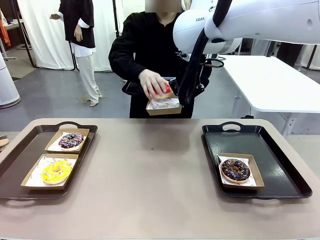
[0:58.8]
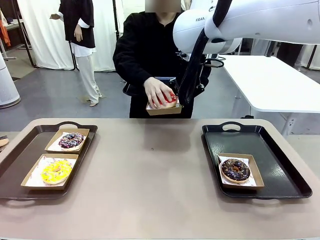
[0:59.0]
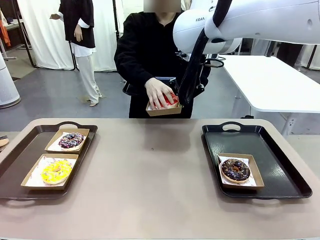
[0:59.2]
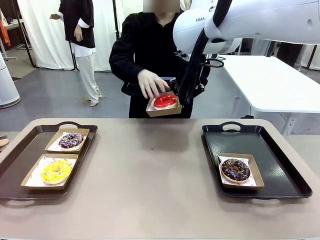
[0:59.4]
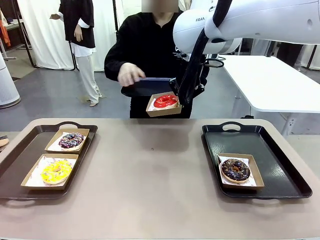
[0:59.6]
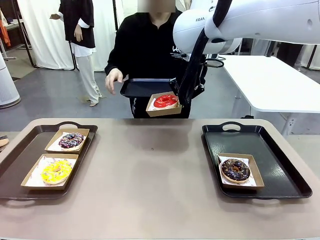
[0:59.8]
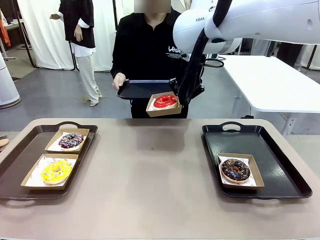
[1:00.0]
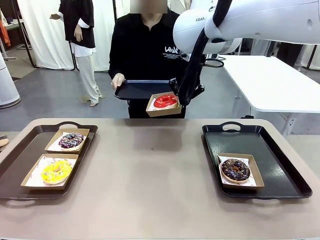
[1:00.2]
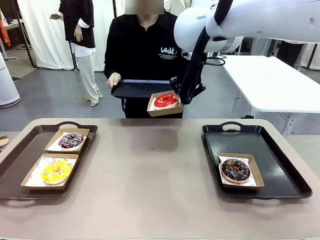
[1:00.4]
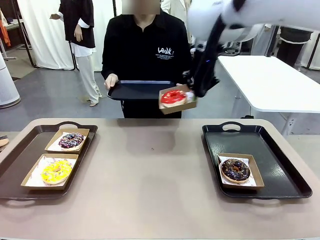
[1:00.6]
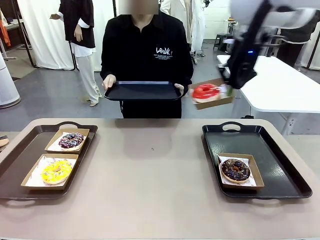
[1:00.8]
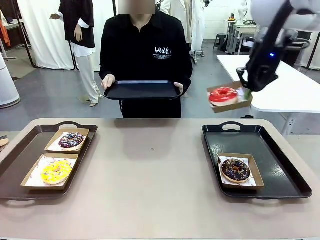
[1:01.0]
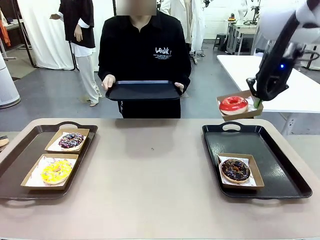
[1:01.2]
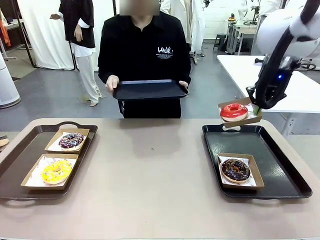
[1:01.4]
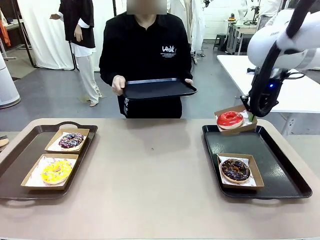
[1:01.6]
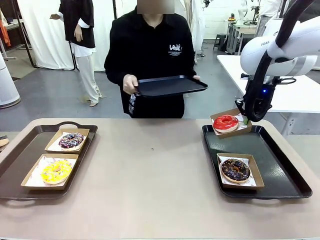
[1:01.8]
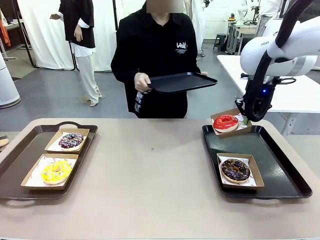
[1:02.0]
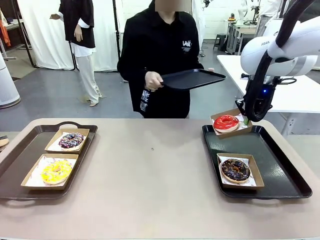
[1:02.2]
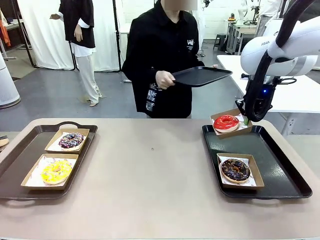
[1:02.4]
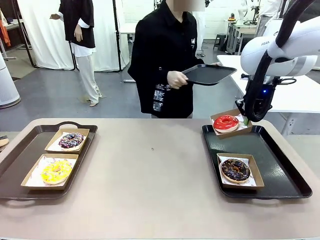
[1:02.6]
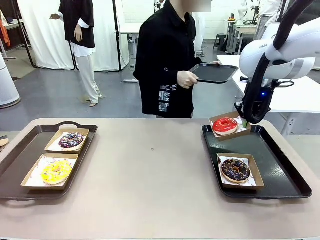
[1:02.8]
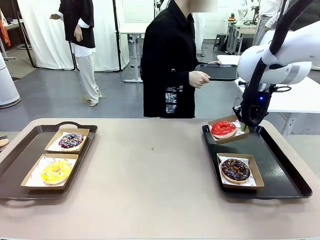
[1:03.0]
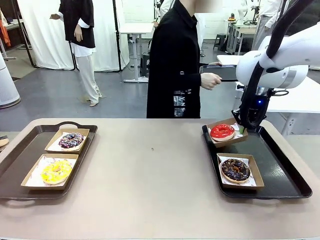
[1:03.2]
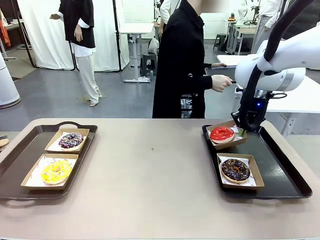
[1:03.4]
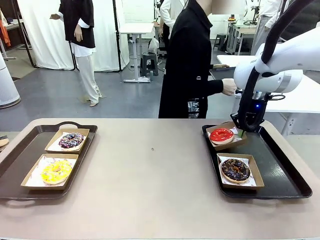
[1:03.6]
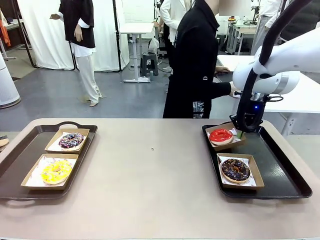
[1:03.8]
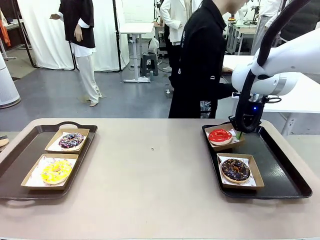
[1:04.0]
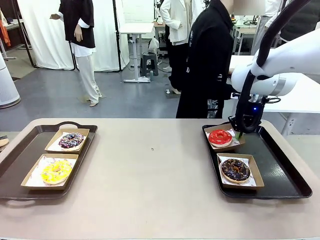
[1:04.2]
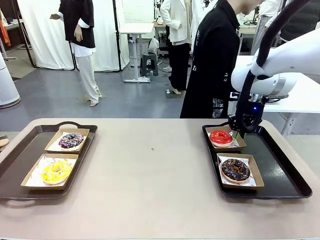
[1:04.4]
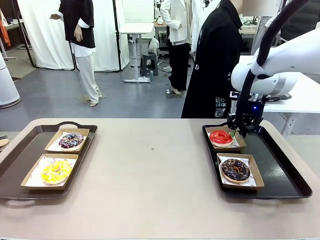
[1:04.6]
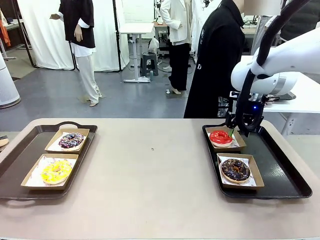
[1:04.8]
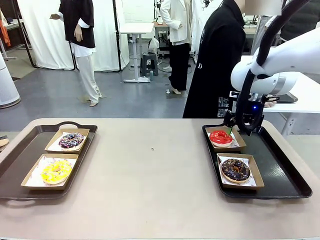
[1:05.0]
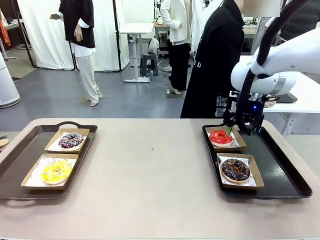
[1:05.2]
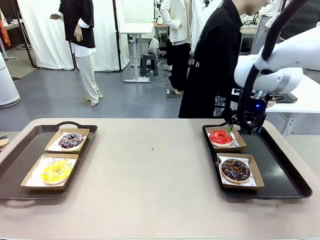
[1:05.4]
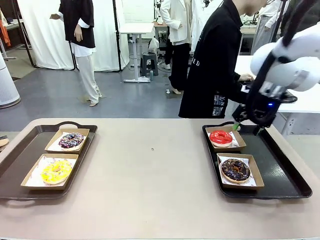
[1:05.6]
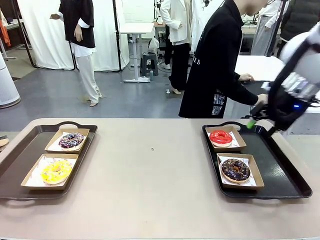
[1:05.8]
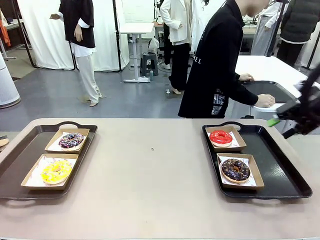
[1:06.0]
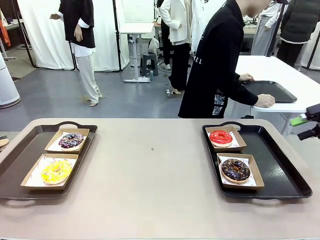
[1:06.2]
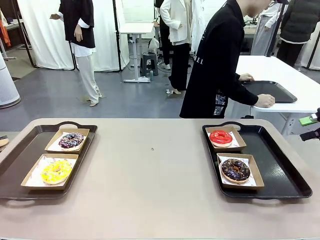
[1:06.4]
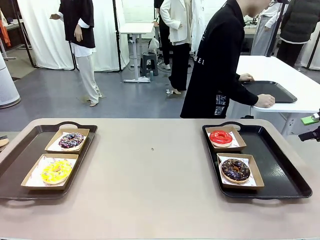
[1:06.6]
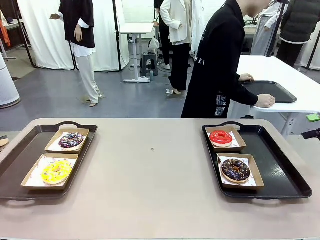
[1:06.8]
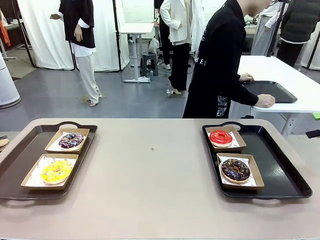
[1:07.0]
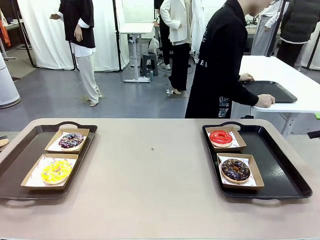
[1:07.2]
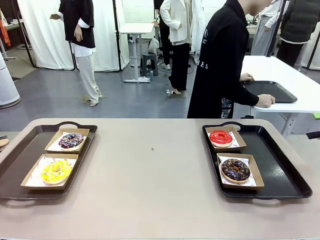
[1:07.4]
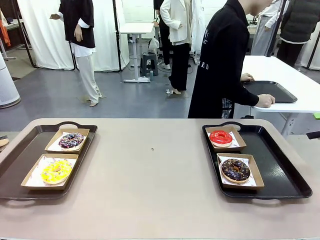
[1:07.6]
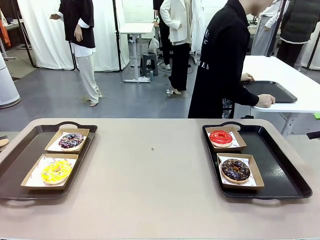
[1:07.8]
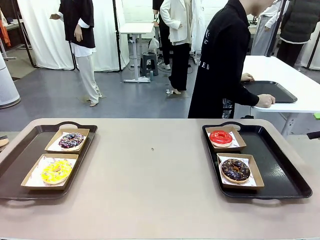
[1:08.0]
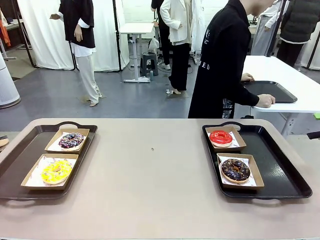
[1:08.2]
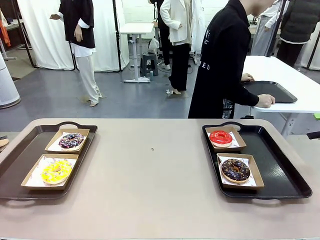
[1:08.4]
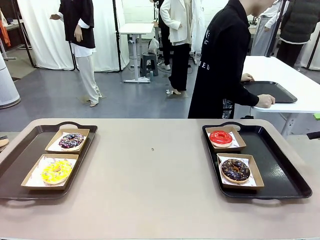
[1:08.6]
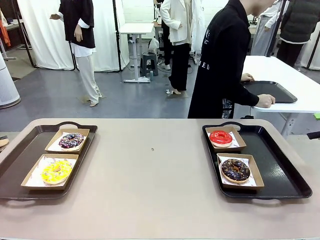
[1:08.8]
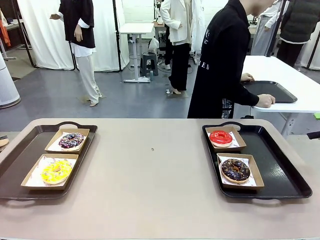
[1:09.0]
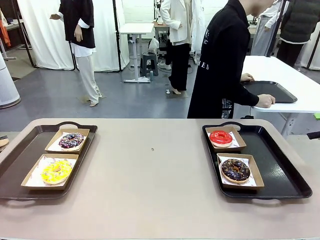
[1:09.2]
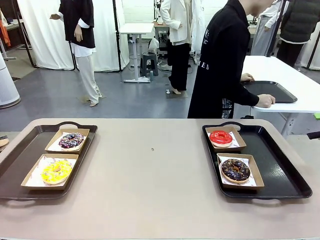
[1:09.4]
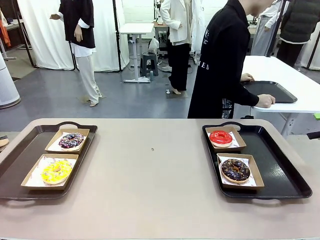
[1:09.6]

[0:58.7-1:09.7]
Task: Individually package the donuts and arrange them on the tray.
Robot: Place the picked Paper togo box on the Handle tray.
Person: Place the tray down in the middle of the human table.

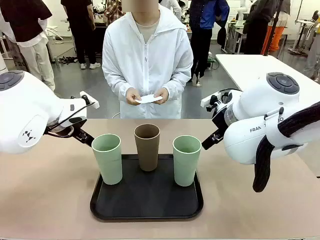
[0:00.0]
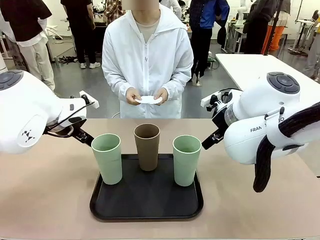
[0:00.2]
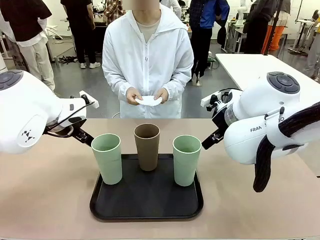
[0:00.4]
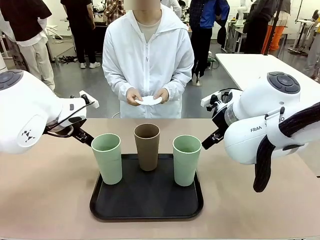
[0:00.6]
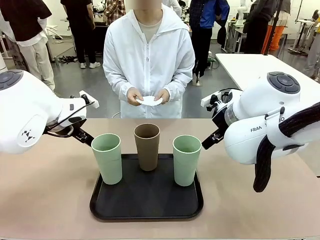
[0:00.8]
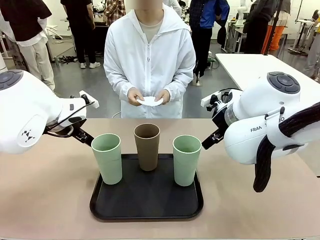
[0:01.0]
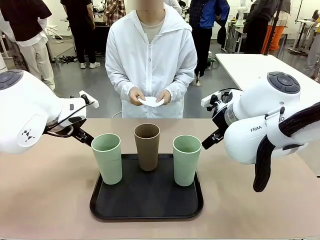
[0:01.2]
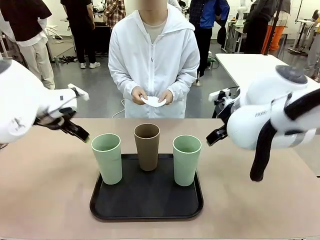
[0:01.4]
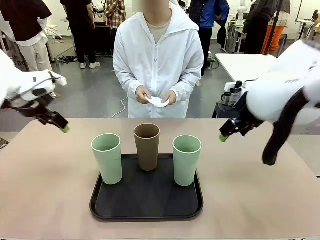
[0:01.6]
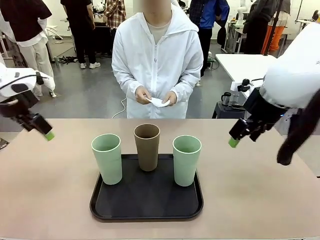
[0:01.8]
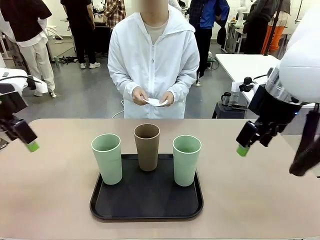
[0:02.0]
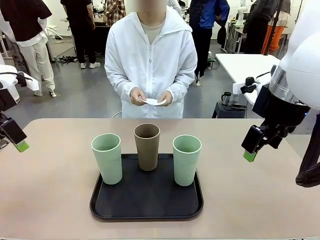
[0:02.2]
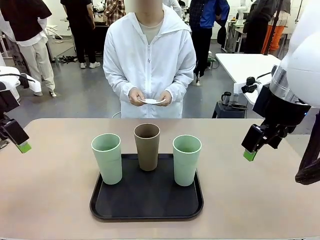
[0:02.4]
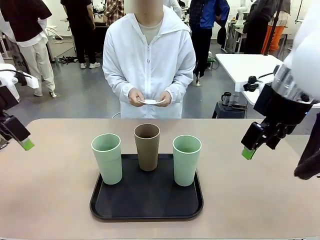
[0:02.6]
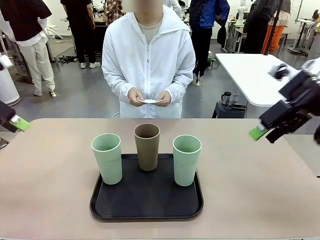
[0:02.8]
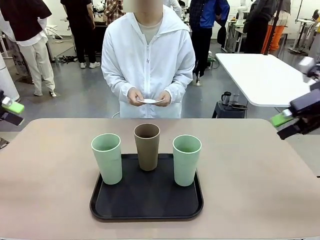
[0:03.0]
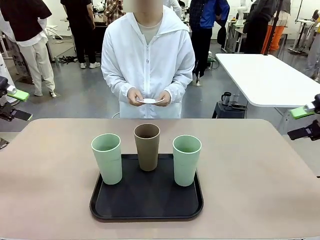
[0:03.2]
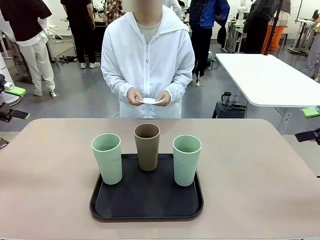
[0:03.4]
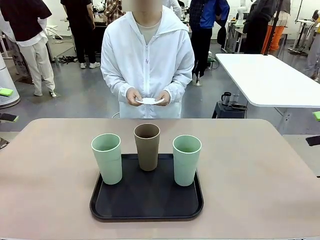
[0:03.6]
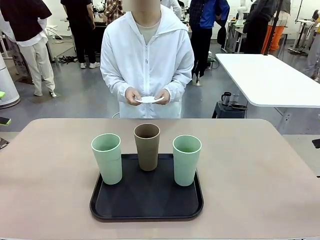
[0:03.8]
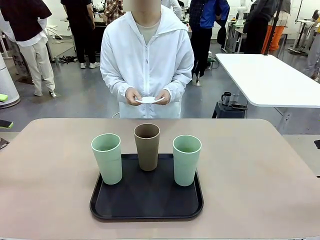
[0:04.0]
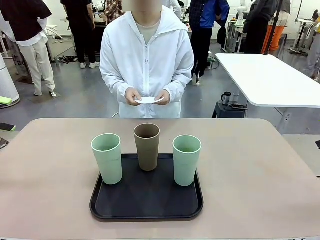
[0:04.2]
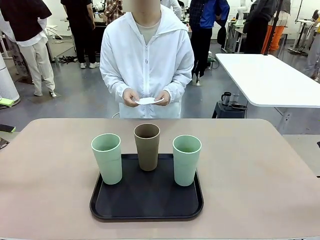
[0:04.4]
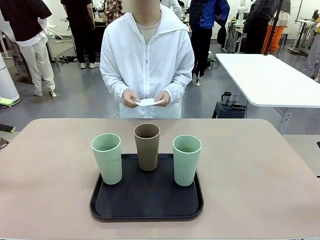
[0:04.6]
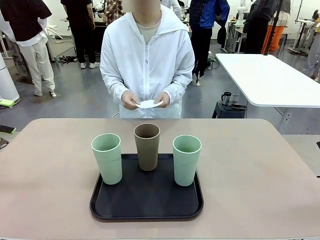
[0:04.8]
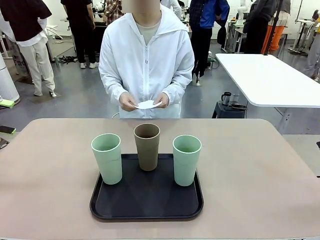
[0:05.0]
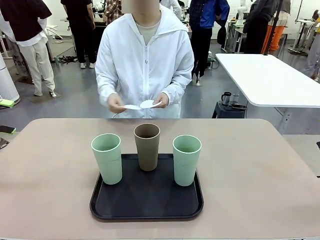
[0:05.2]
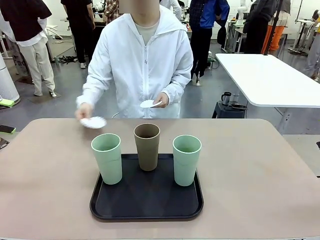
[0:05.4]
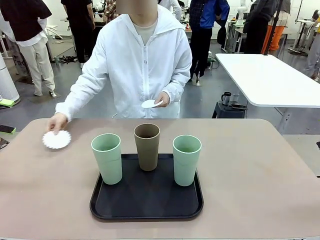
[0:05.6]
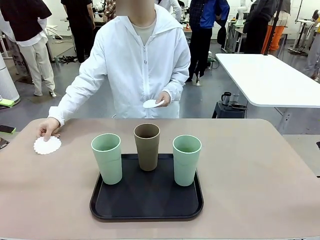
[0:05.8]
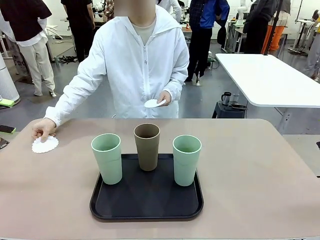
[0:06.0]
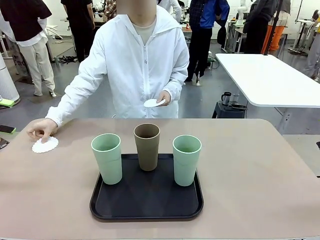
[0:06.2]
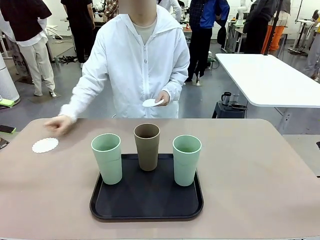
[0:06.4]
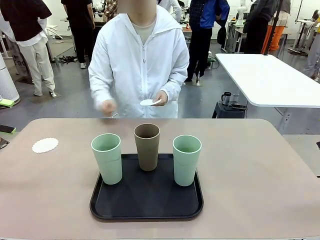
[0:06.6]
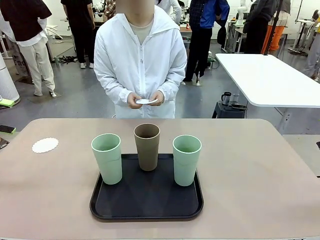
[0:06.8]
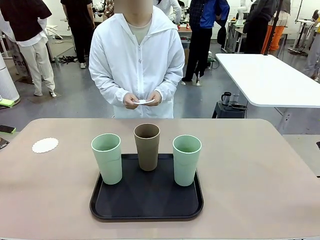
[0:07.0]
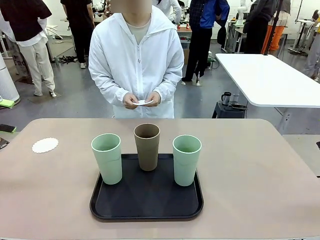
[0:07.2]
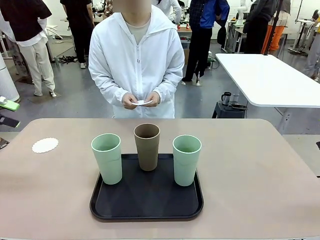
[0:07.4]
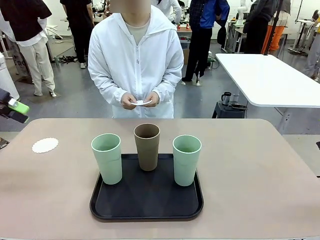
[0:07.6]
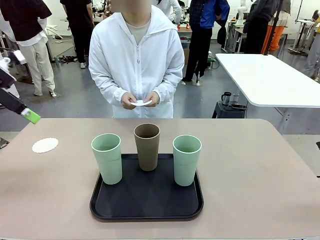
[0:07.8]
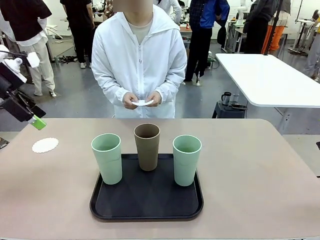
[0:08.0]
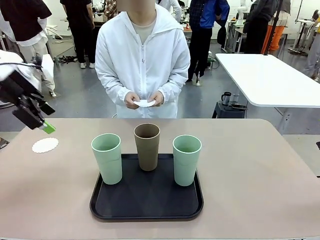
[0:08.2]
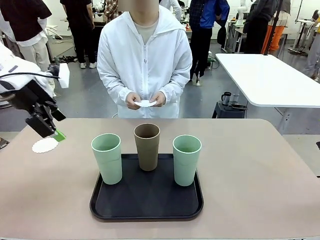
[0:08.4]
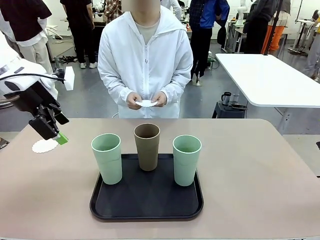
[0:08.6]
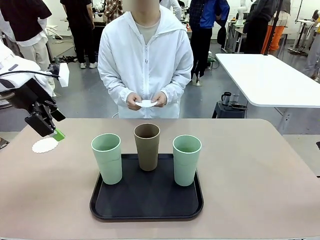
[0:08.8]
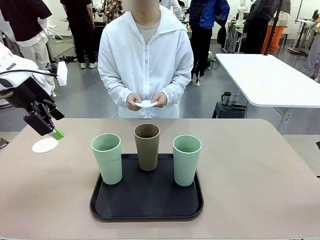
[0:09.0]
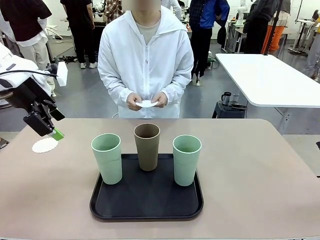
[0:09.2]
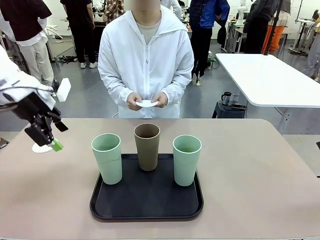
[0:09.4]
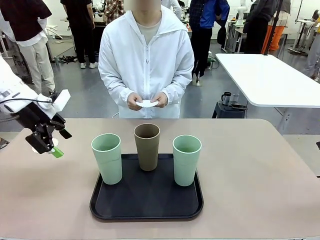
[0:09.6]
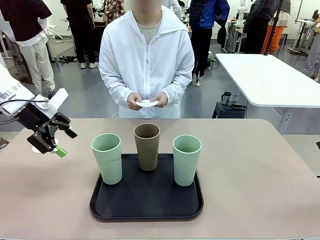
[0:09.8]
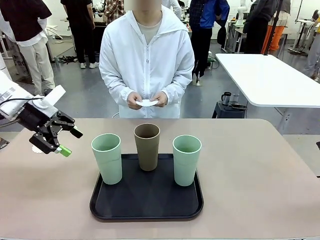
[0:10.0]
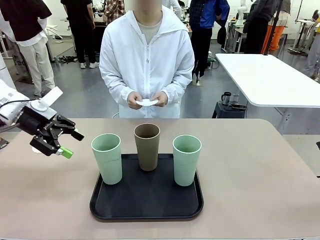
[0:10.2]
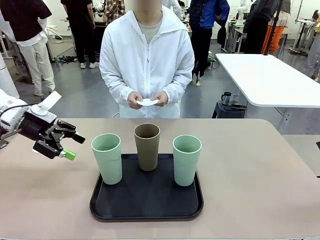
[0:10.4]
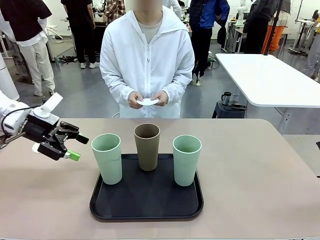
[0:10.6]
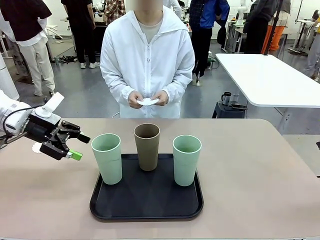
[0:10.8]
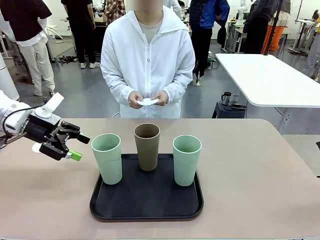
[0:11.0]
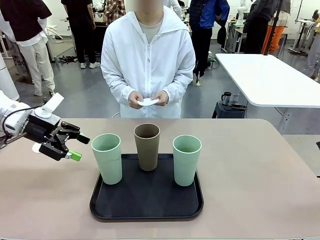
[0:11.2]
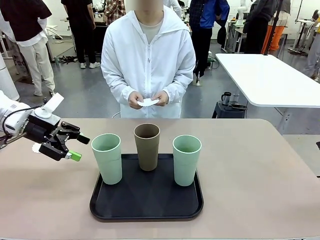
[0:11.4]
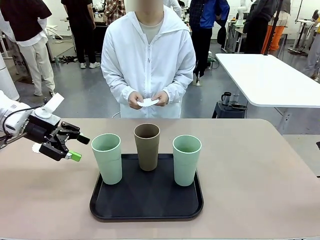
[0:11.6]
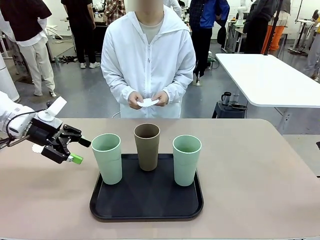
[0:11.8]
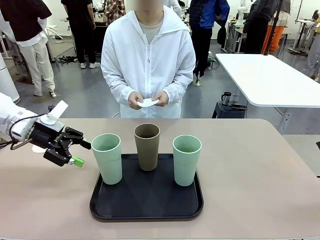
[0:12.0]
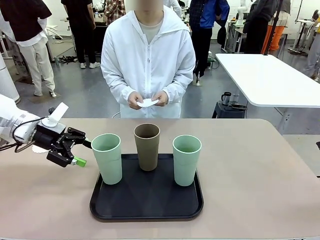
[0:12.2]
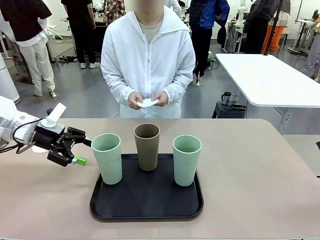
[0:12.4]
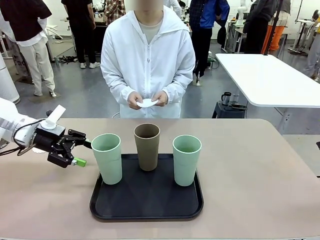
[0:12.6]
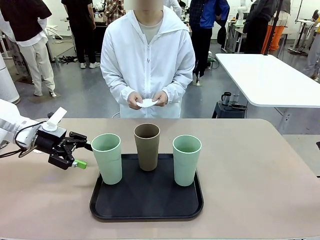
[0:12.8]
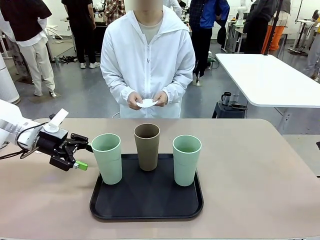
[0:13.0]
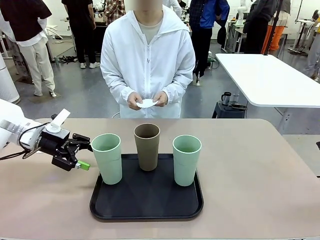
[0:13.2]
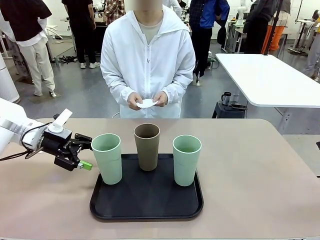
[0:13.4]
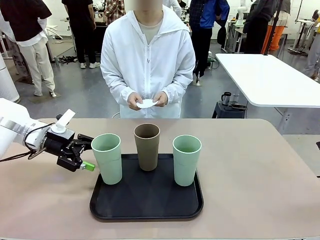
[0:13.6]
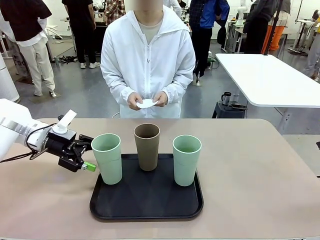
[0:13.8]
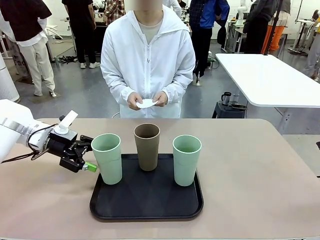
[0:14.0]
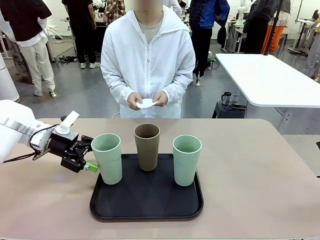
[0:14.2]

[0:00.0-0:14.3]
Task: Place coasters on the table and set cups on them.
Robot: Pick up one Reusable plastic cup and place it on a coaster set by the human.
Person: Place one coaster in any one of the three lower areas of the robot table (left, center, or right).
